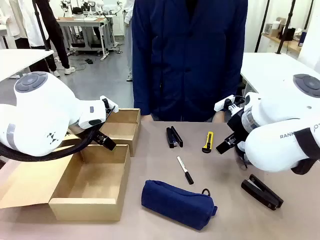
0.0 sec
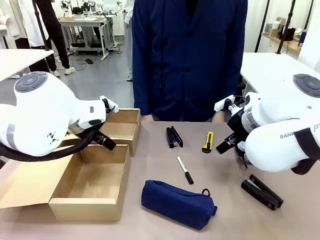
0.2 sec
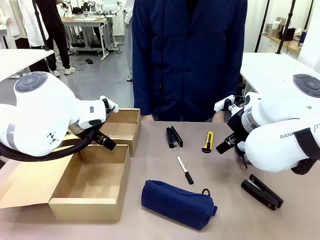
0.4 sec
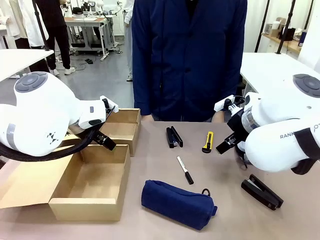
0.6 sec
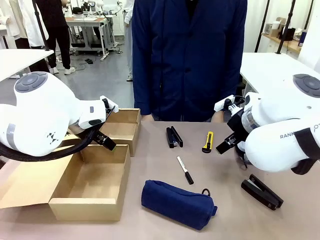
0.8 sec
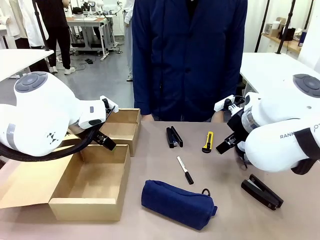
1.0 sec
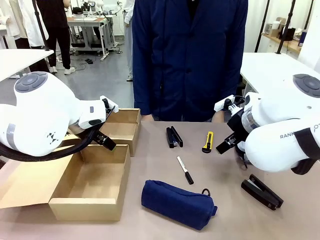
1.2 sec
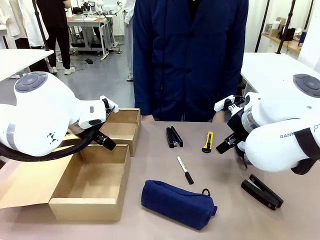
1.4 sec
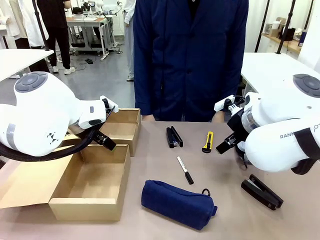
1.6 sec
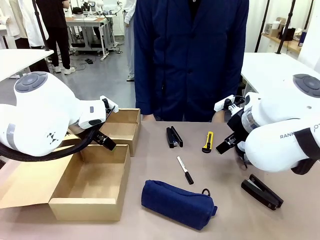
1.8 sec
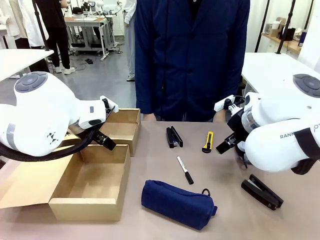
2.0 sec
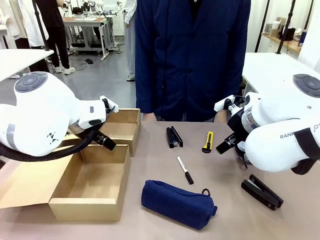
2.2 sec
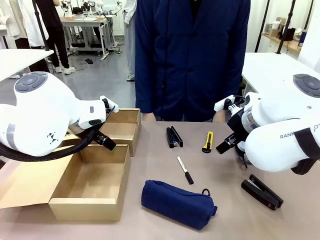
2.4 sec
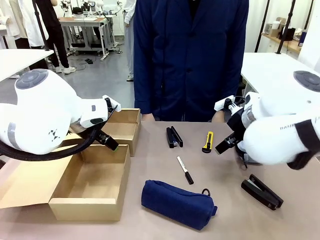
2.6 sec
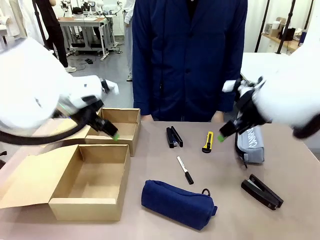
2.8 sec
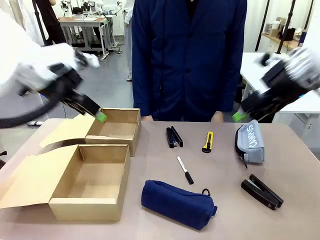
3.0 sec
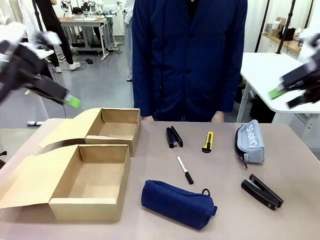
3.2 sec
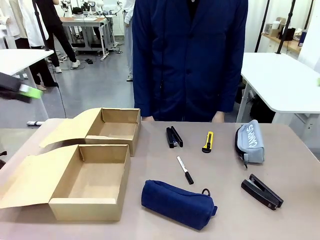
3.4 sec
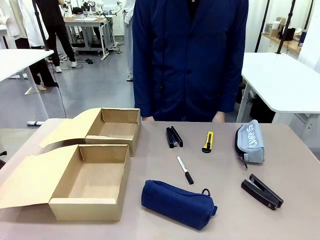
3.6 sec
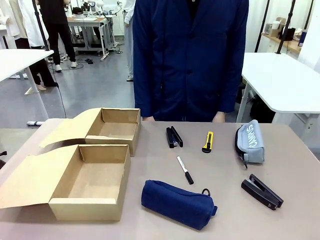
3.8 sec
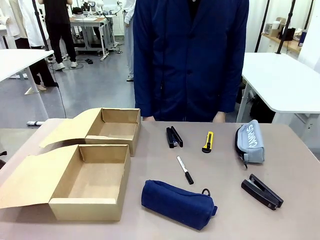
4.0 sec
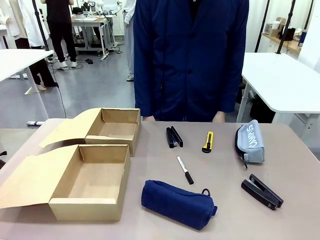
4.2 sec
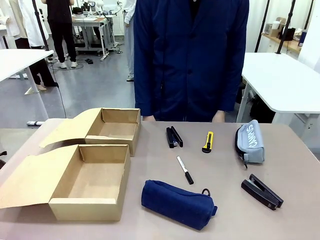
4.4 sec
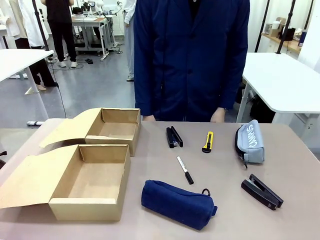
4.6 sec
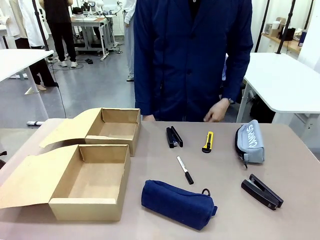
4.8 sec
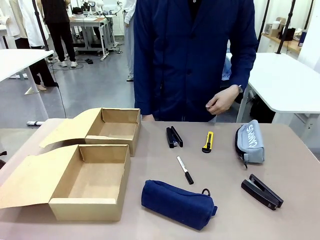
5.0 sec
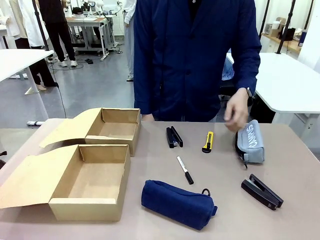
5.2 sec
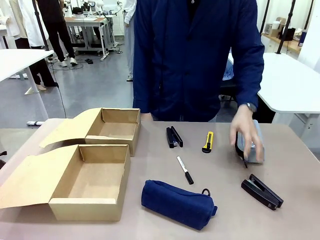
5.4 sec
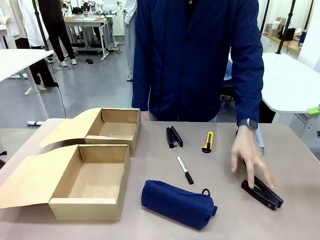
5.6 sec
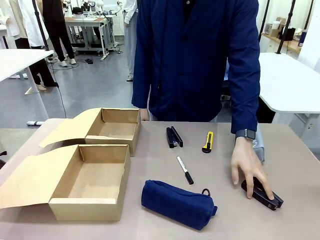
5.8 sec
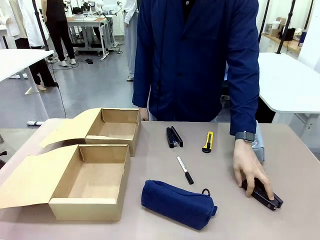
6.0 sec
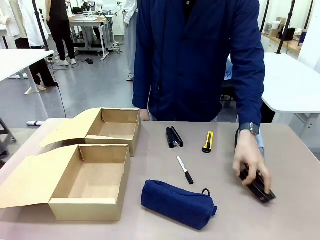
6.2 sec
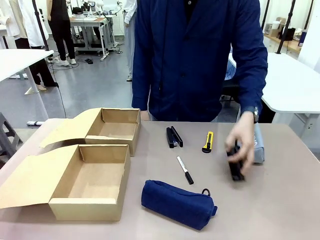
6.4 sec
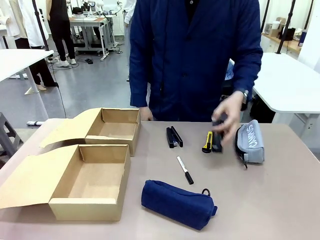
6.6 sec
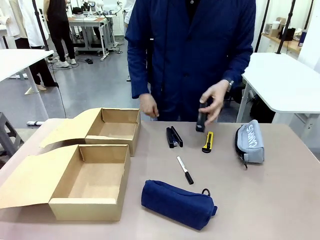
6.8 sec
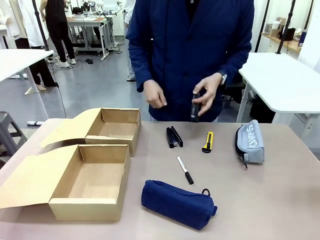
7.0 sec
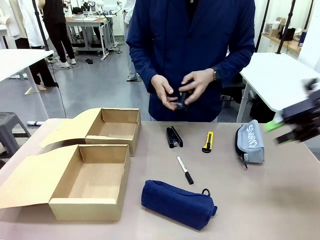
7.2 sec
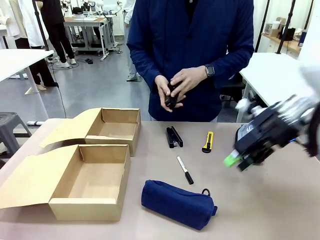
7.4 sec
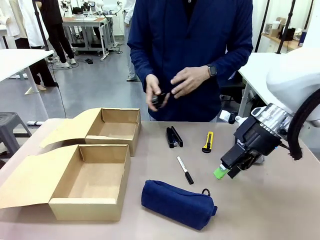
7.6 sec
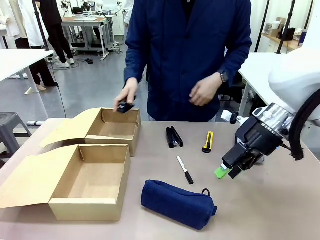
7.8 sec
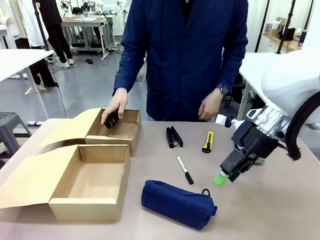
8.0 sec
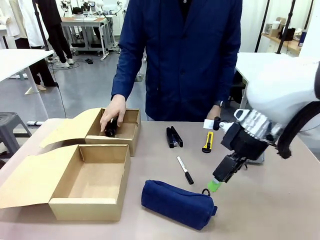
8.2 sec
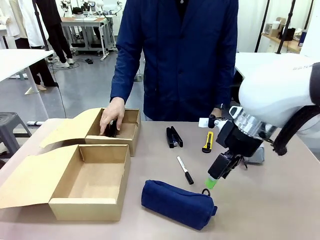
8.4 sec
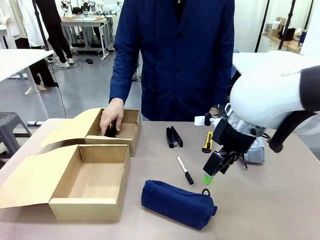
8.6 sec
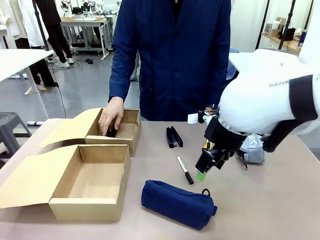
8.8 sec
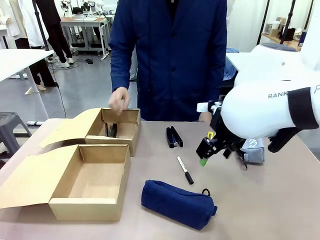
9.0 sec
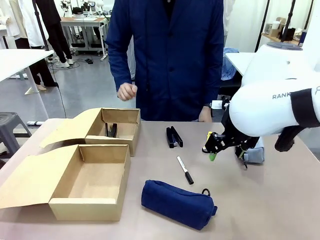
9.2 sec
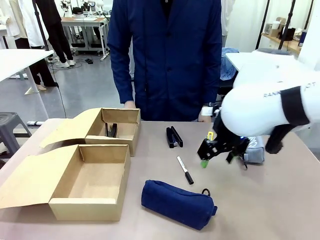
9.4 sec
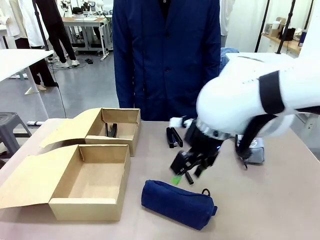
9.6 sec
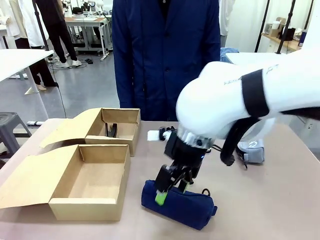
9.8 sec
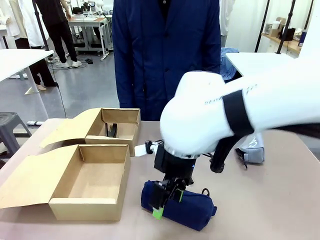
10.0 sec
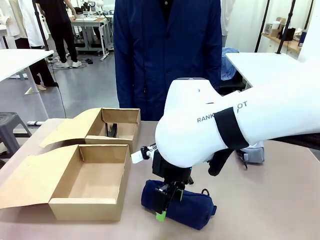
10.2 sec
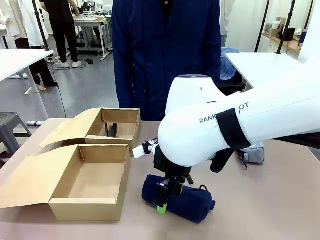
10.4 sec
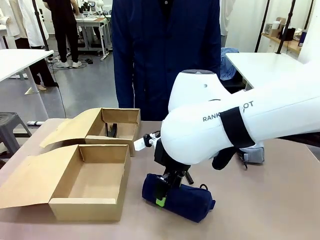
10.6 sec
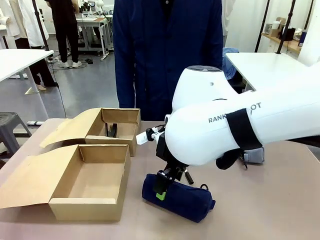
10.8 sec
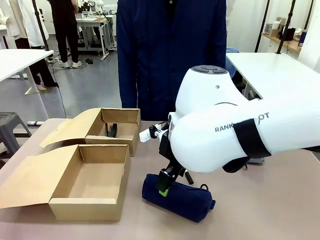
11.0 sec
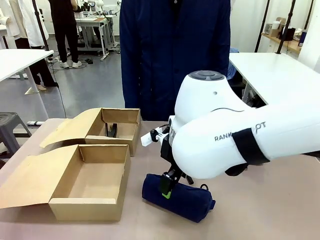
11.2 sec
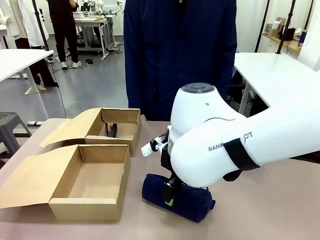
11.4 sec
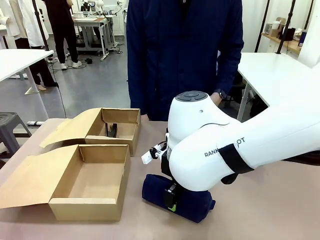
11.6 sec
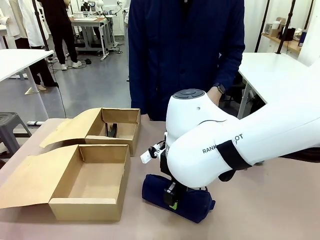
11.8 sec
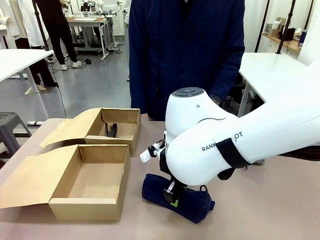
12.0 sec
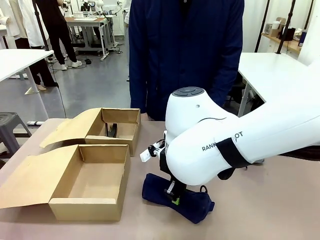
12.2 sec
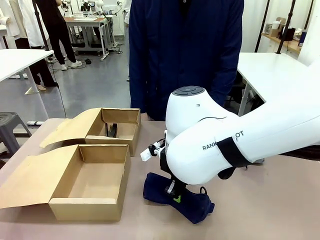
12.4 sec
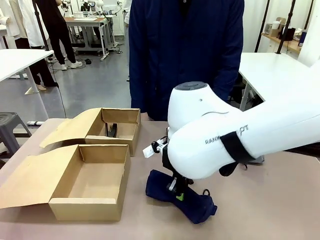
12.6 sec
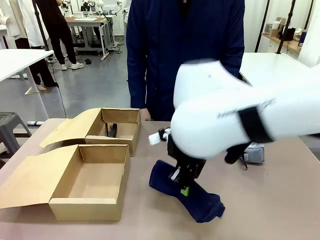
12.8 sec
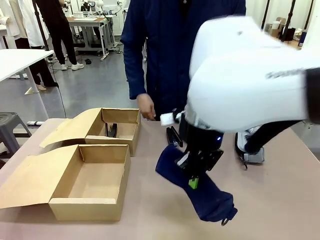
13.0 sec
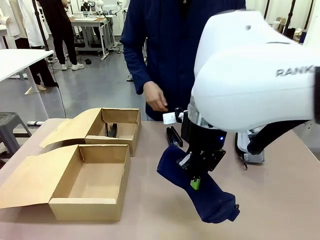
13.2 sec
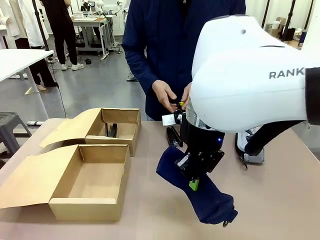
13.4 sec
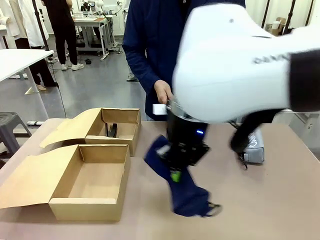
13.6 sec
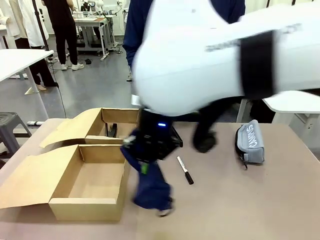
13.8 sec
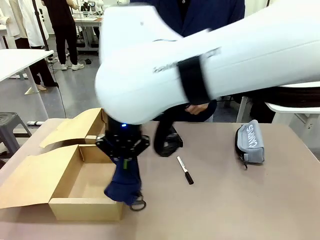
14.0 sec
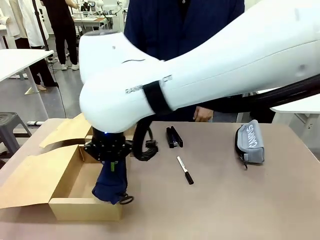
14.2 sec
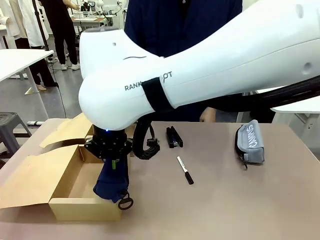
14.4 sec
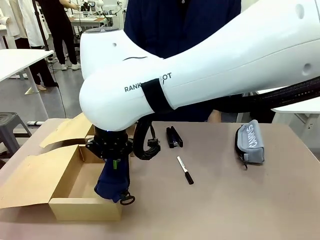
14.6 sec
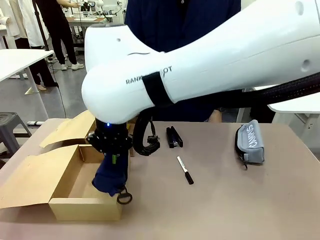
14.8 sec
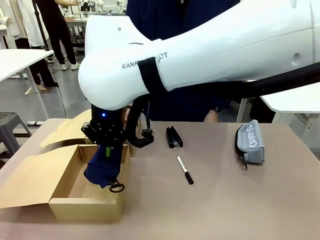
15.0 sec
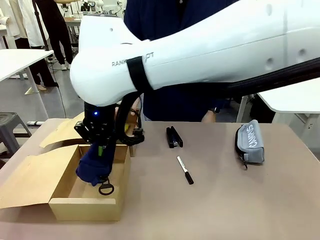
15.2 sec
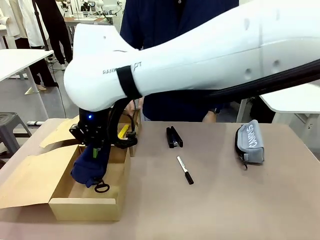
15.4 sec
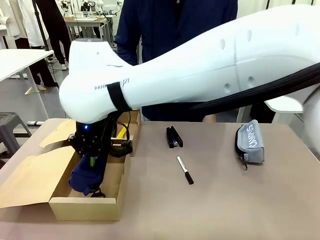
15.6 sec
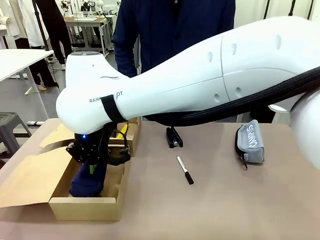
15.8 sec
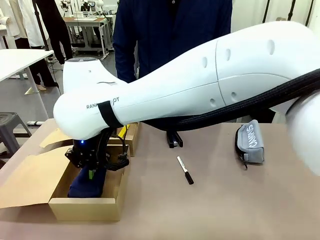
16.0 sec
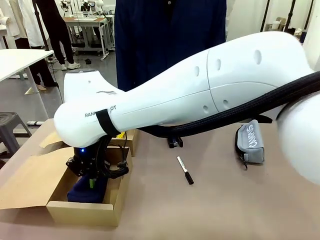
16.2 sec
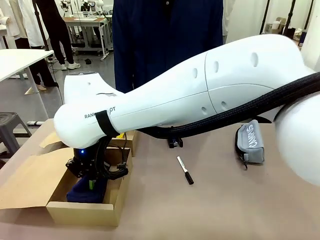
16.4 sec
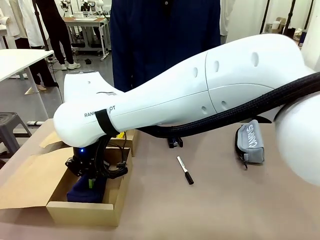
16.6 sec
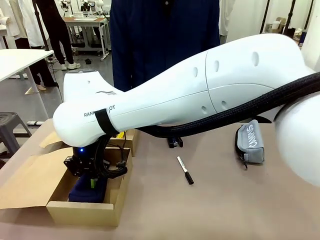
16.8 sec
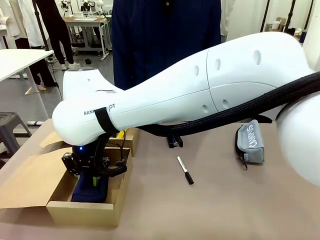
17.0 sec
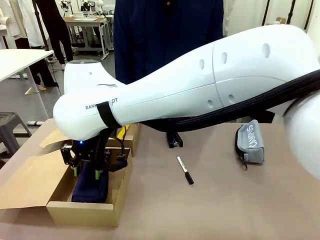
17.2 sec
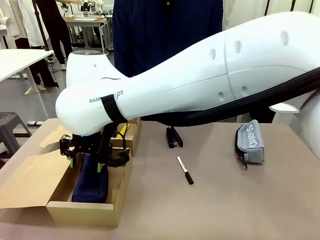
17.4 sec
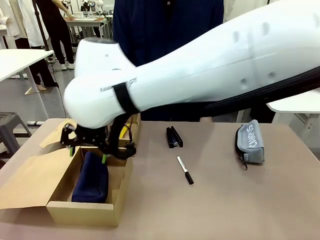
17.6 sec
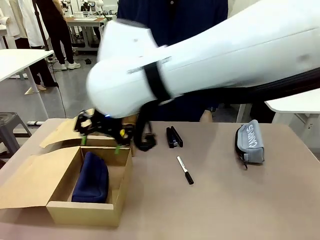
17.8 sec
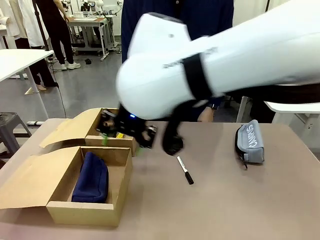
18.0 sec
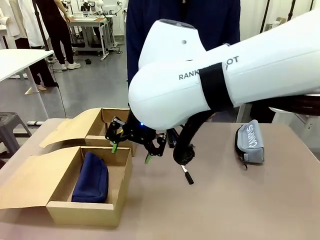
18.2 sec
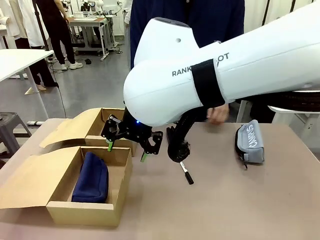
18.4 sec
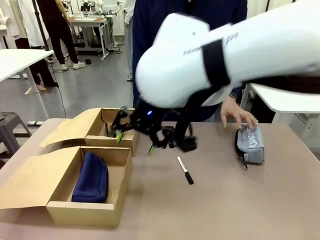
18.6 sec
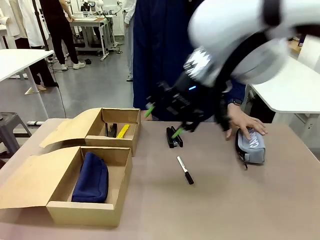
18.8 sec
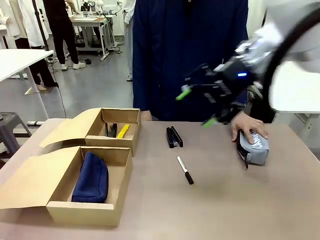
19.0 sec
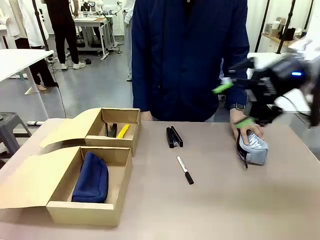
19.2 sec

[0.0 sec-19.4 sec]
Task: Place items inside the box.
Robot: Pick up a Pencil pouch or Stapler and place it inside the Mailer Box closest to the robot.
Person: Pick up an object on the table and put it in the box.
